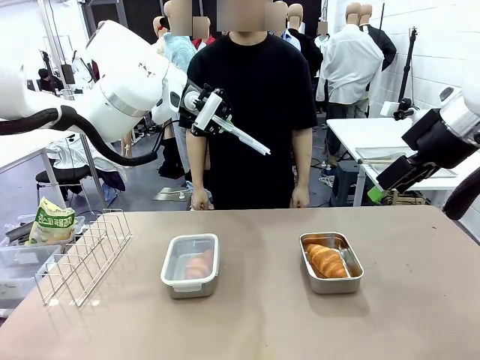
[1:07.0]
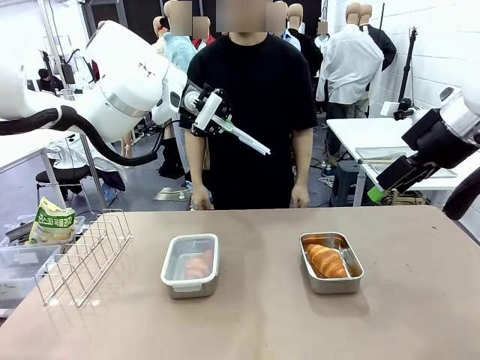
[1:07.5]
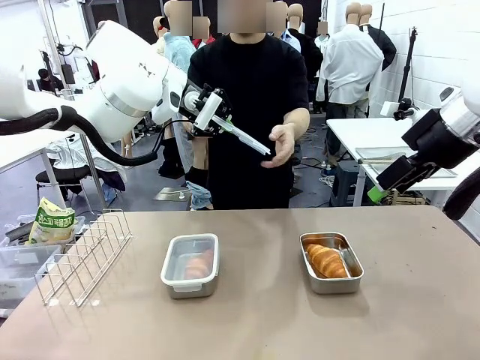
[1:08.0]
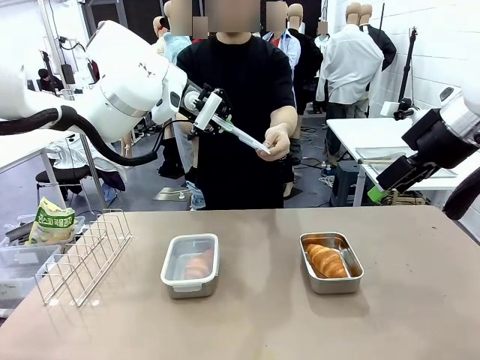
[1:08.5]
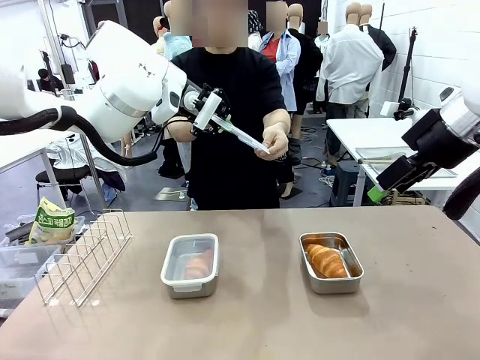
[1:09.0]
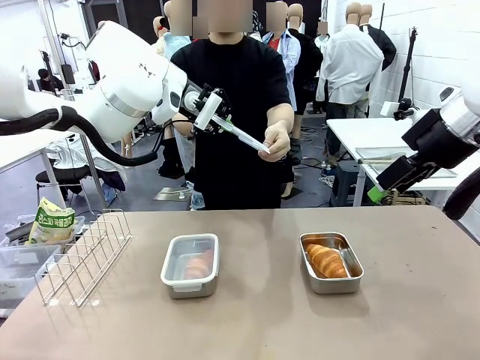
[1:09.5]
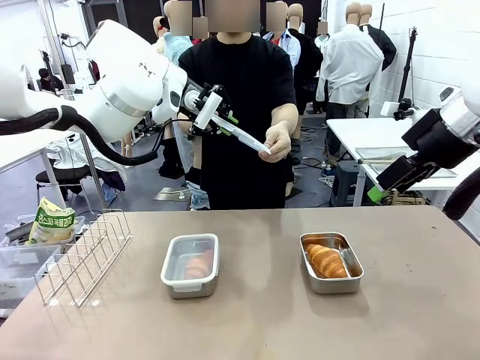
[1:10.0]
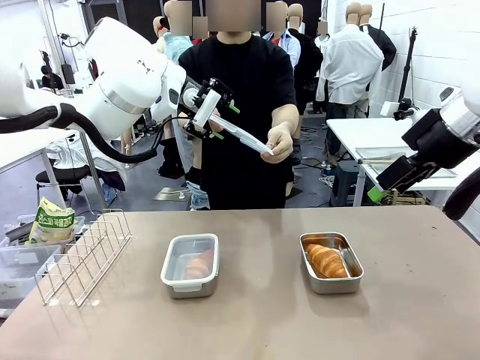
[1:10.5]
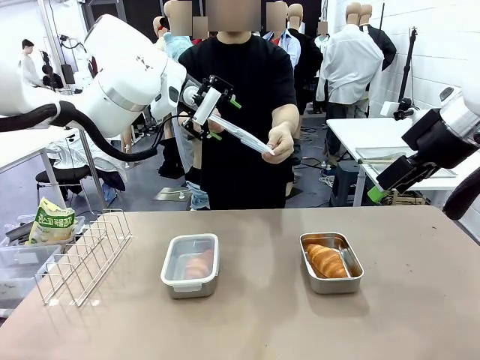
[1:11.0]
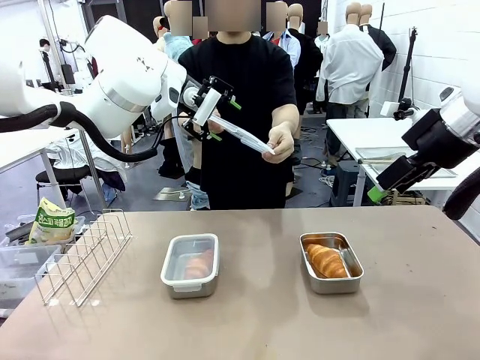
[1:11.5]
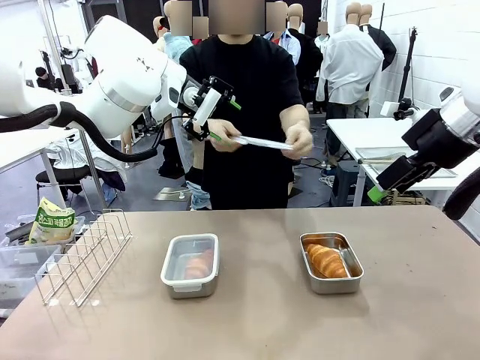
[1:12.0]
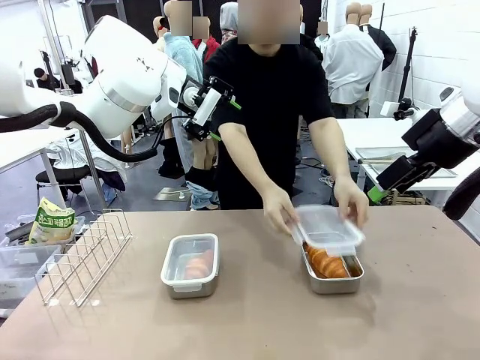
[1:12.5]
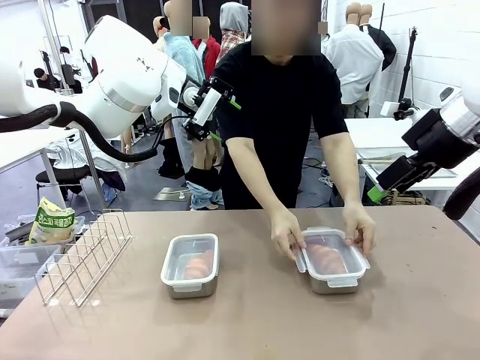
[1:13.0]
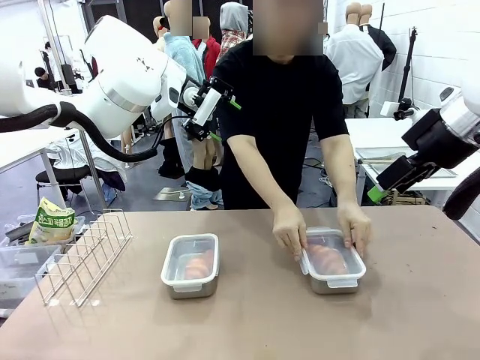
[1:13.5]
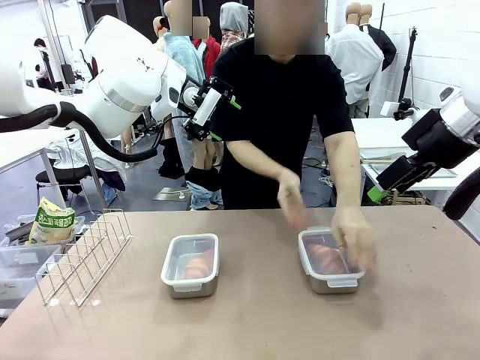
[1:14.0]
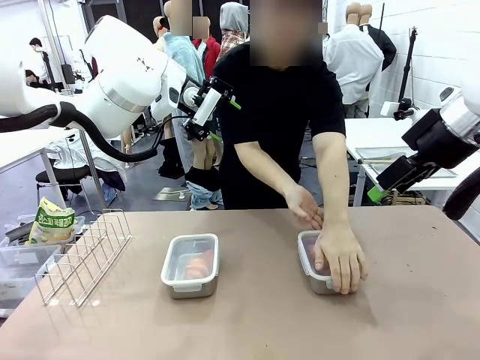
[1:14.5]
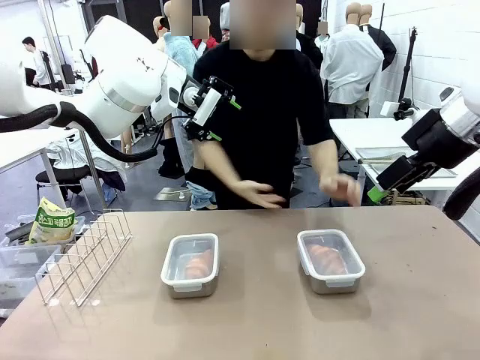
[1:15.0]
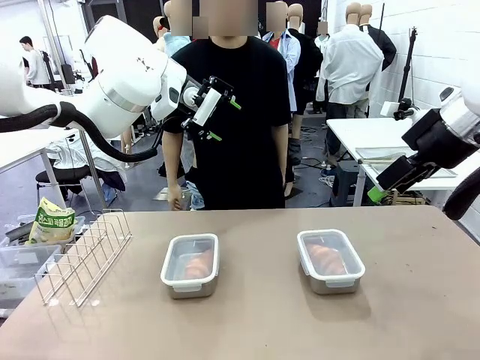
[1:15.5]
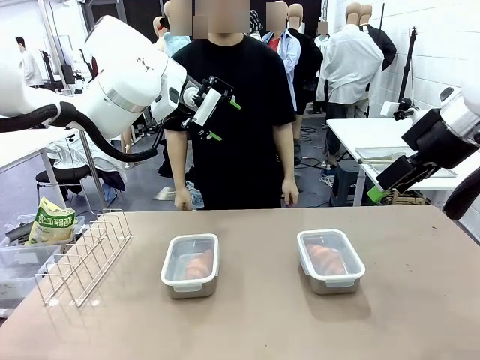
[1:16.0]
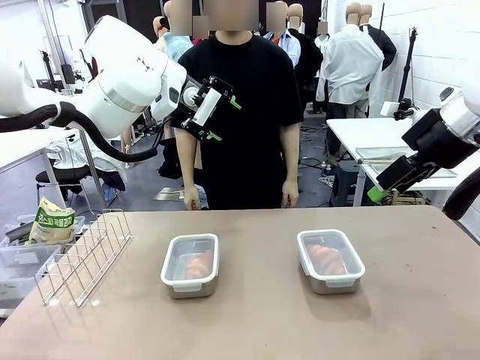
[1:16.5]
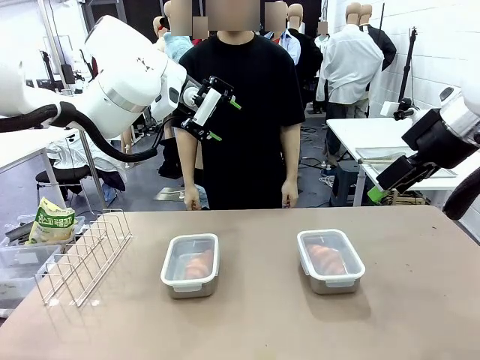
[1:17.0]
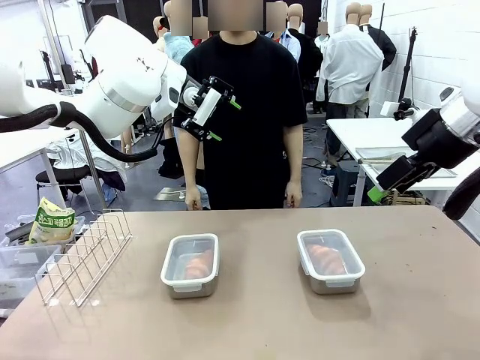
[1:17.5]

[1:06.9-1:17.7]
Task: Place the bread in airtight containers.
Robot: Release when the human grabs the Airtight Container lid.
Person: Close Airtight Container with a handed Airtight Container lid.

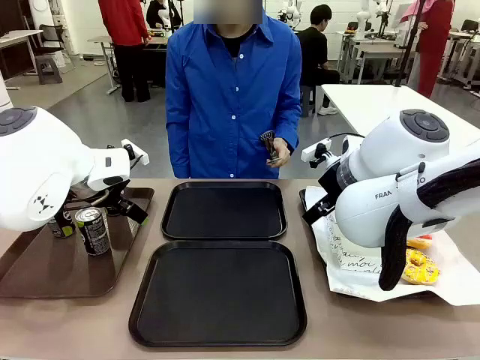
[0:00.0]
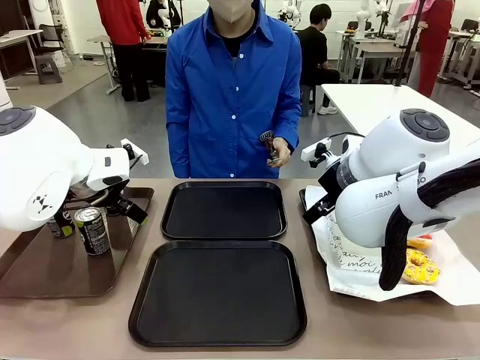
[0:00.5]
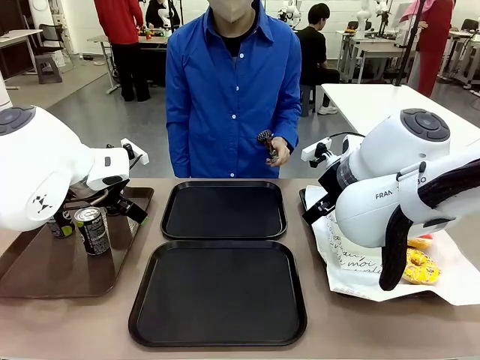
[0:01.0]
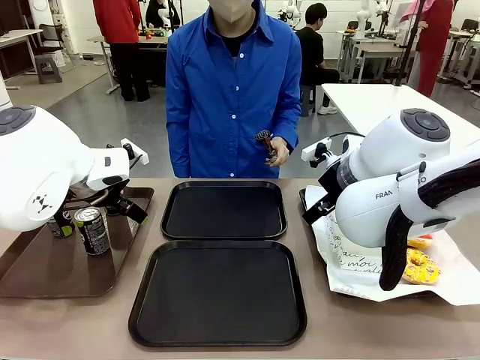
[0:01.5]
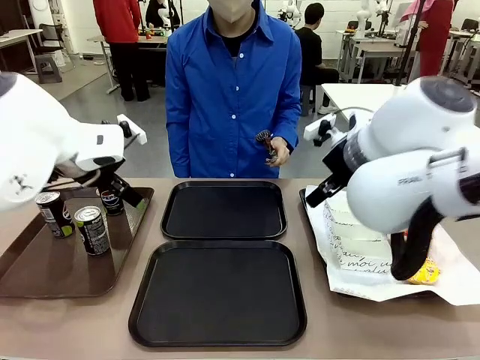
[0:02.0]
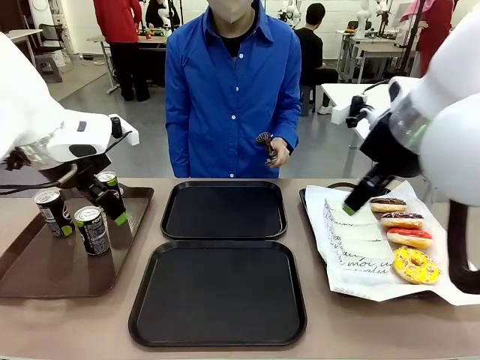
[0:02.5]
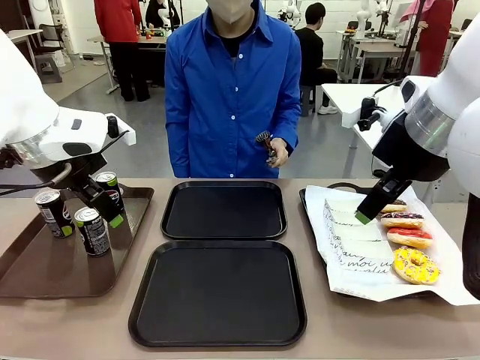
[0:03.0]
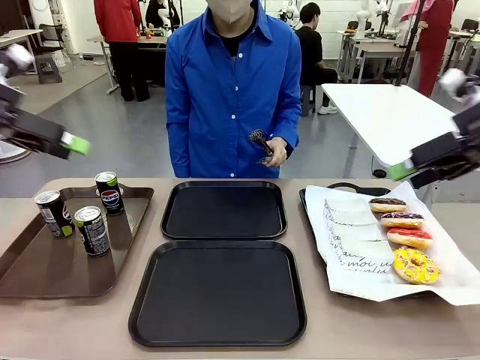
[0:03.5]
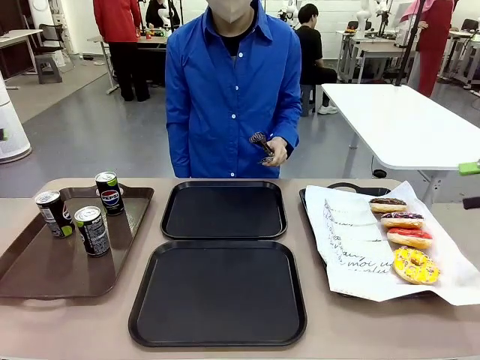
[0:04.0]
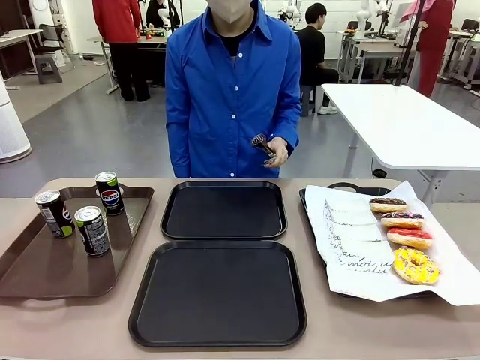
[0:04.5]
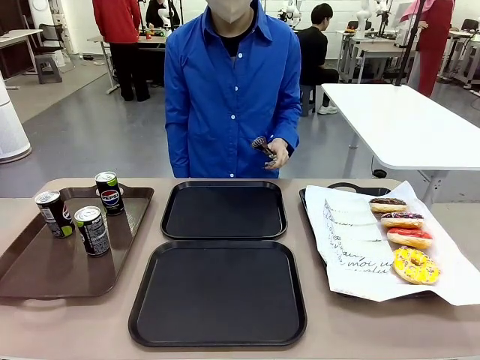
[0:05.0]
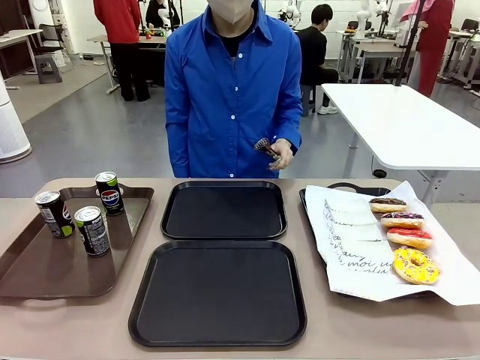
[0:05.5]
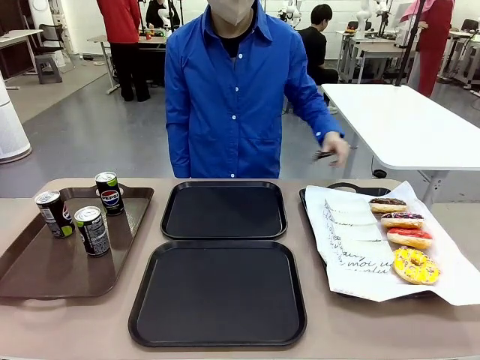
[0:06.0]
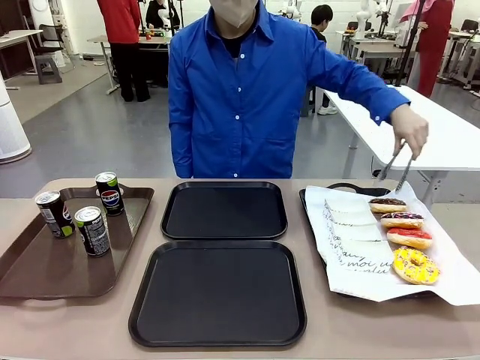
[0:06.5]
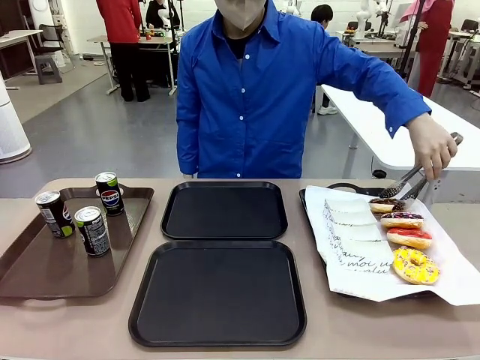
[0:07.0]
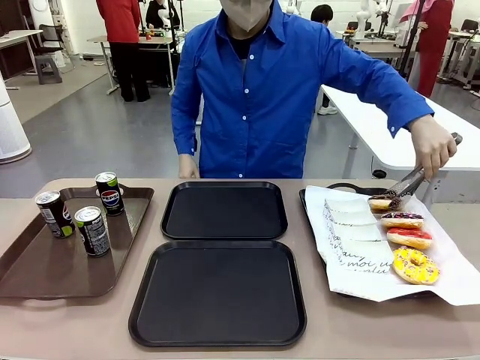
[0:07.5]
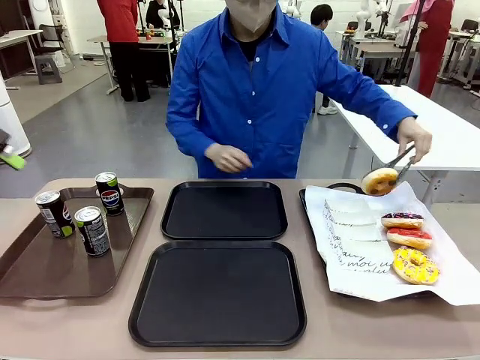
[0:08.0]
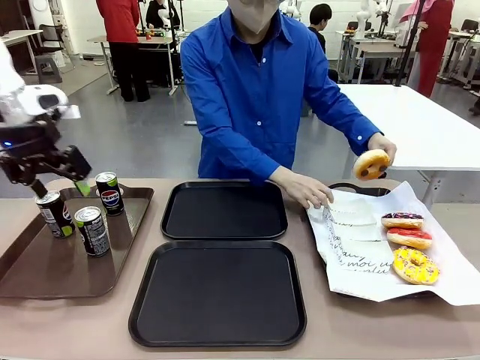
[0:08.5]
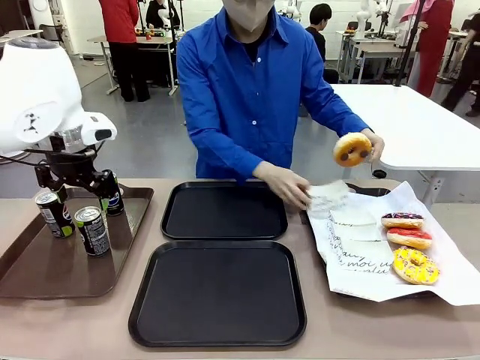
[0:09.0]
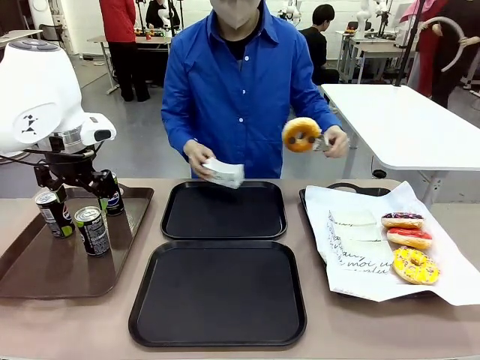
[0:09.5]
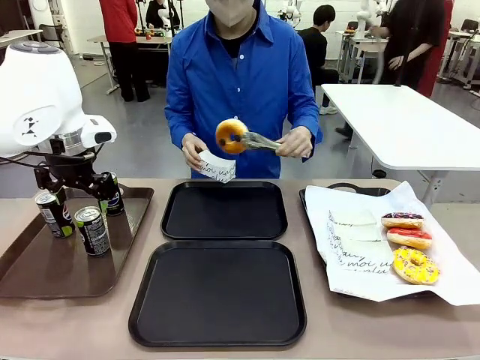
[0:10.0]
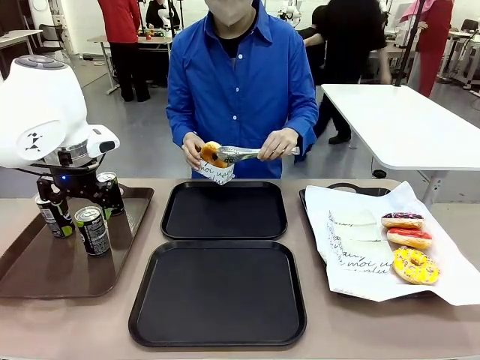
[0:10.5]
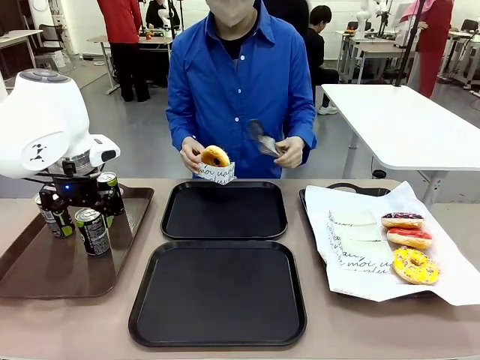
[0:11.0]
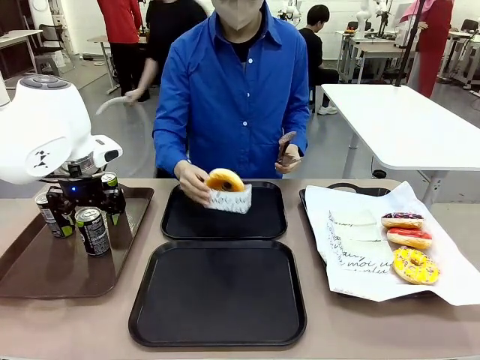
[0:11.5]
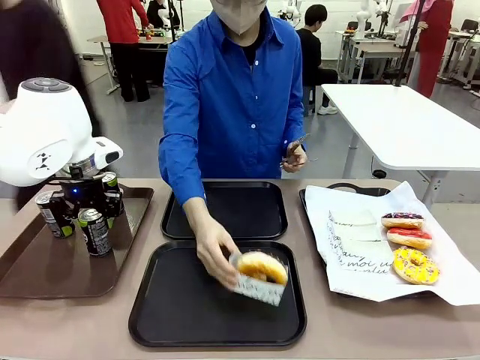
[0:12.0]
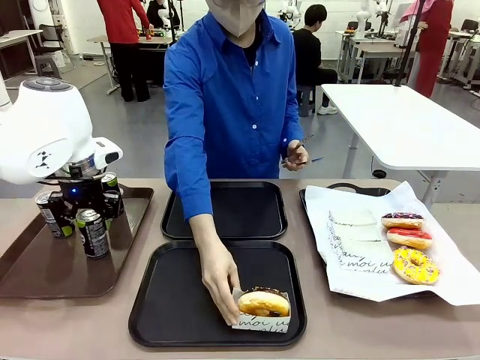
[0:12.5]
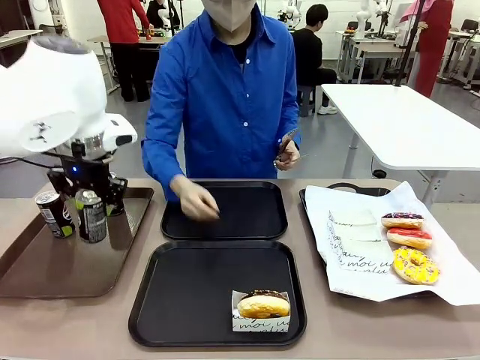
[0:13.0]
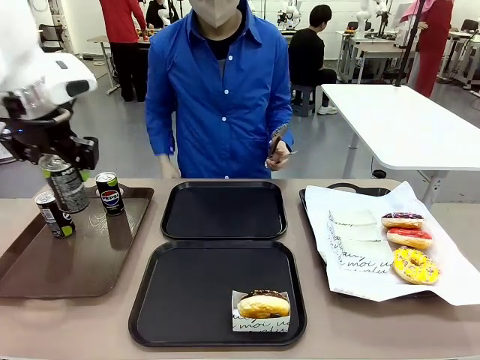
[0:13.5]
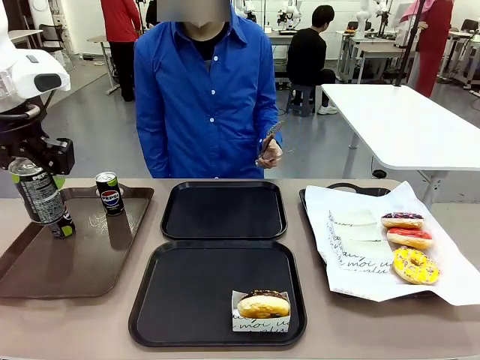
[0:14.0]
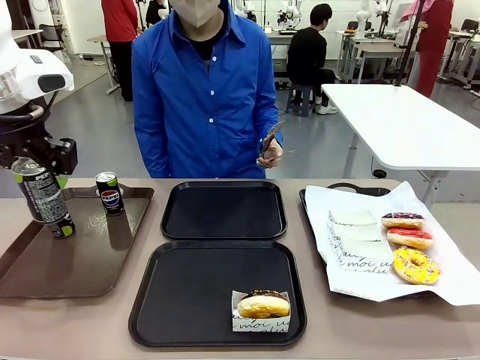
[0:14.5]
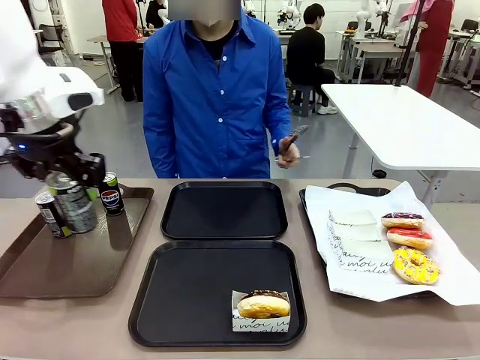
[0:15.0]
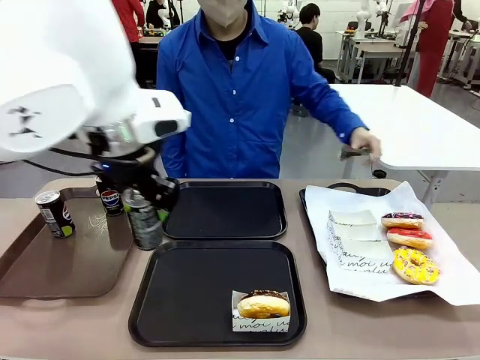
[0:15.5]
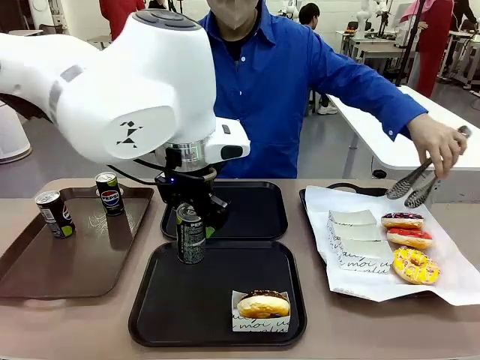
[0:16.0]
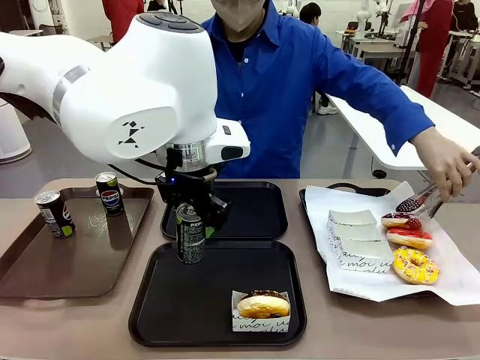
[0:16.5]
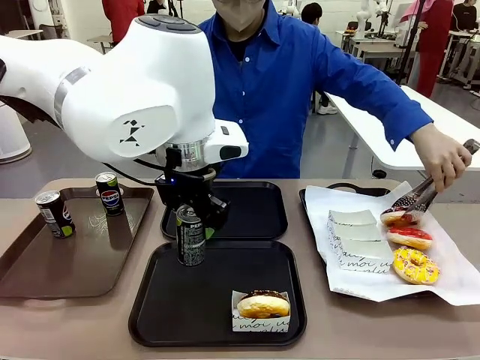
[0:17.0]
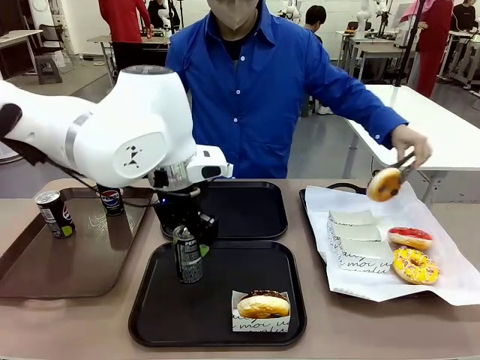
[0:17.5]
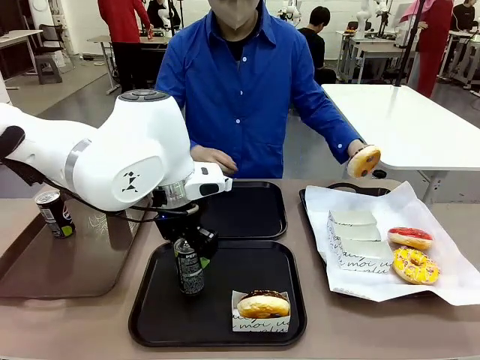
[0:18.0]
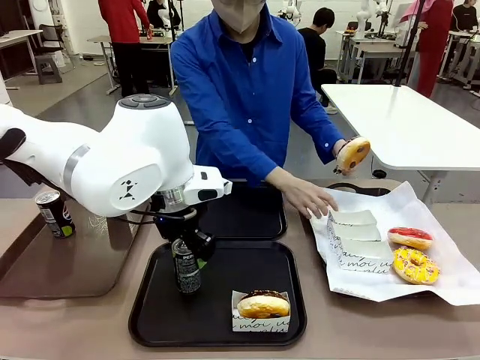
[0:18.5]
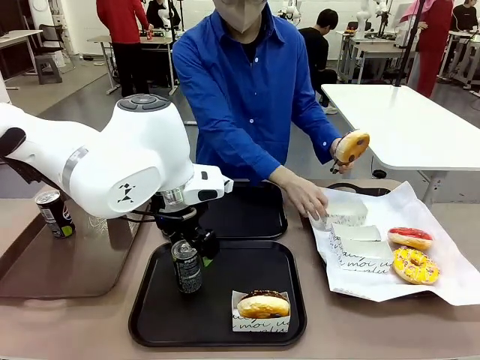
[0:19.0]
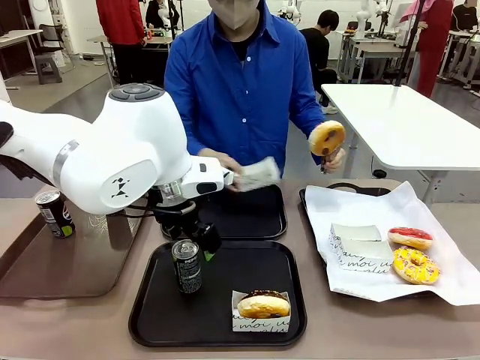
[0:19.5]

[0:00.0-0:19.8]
Task: Set up donuts and drinks on trays.
Robot: Pick up one Pepsi coke and place it on the Flat Tray.
